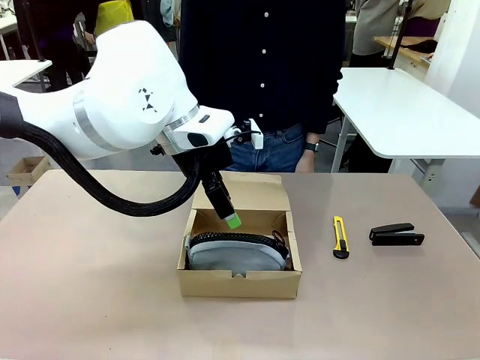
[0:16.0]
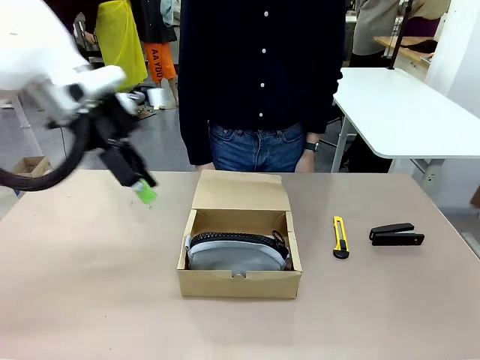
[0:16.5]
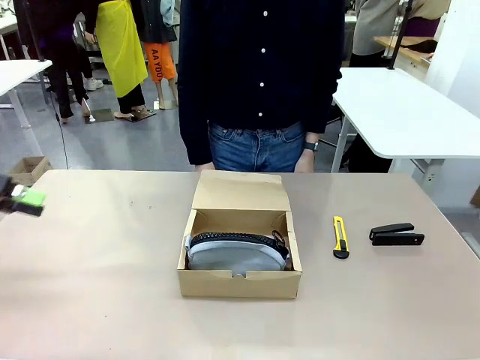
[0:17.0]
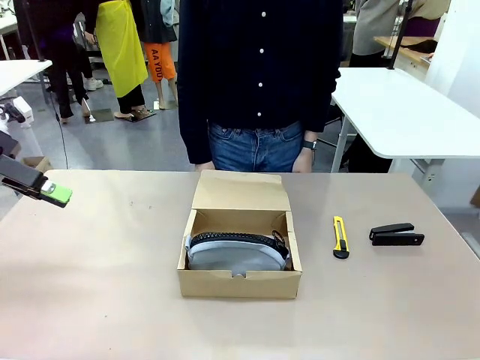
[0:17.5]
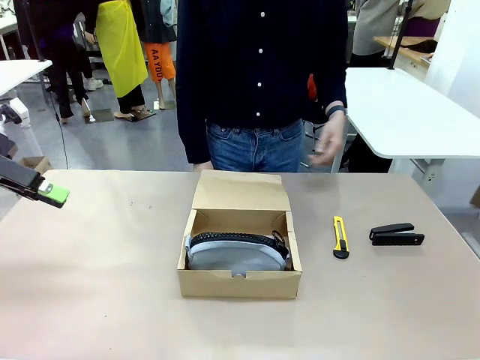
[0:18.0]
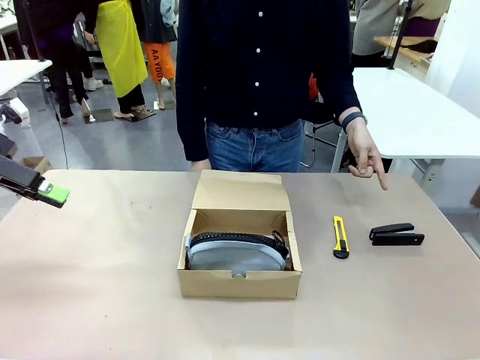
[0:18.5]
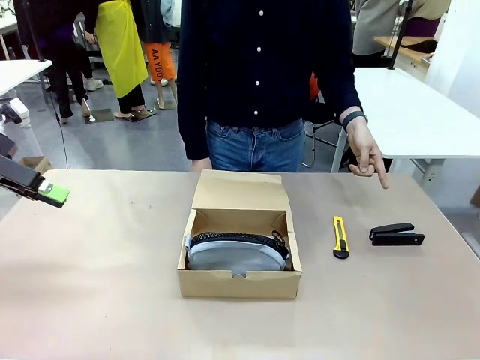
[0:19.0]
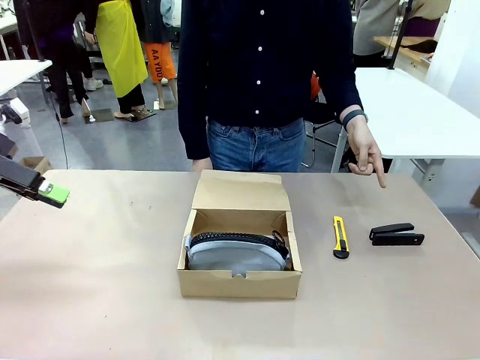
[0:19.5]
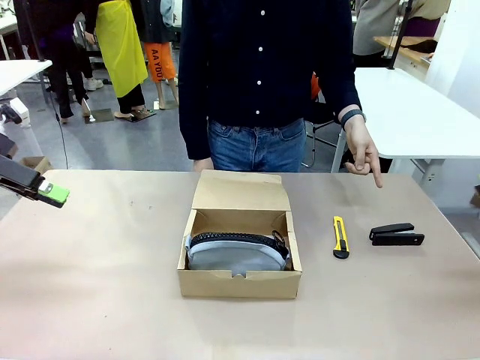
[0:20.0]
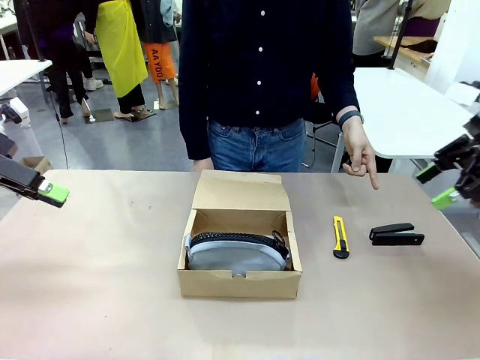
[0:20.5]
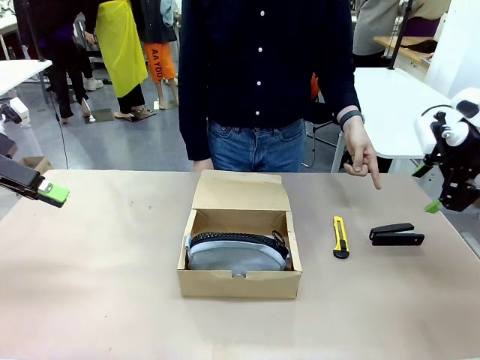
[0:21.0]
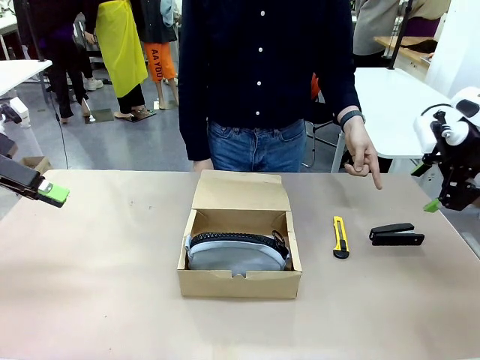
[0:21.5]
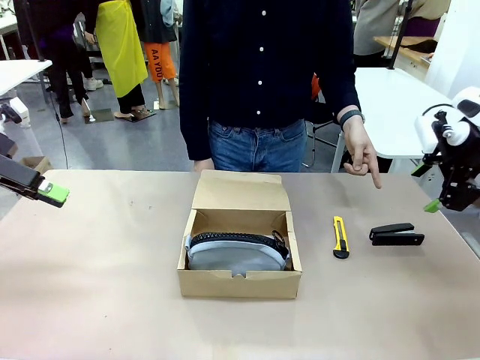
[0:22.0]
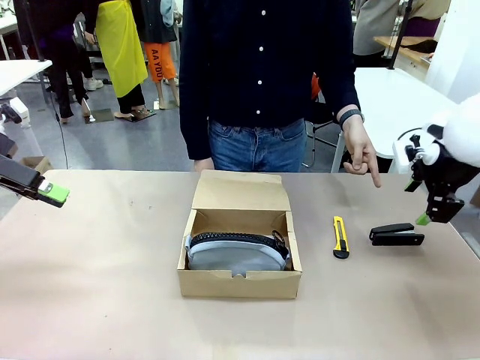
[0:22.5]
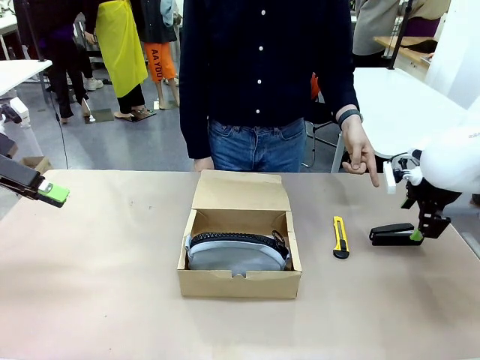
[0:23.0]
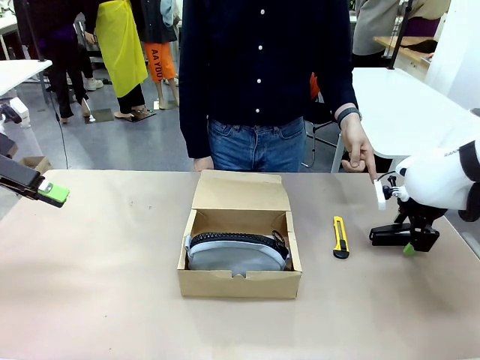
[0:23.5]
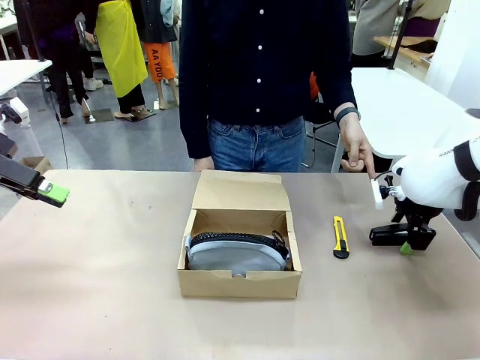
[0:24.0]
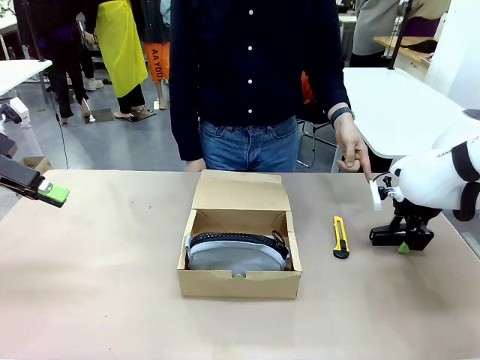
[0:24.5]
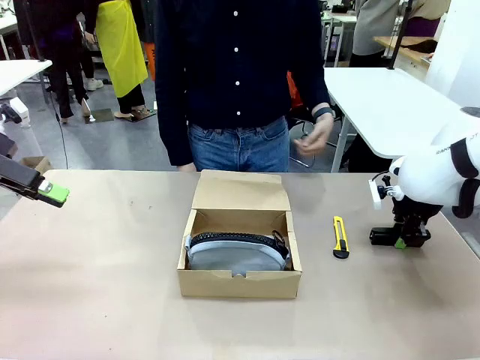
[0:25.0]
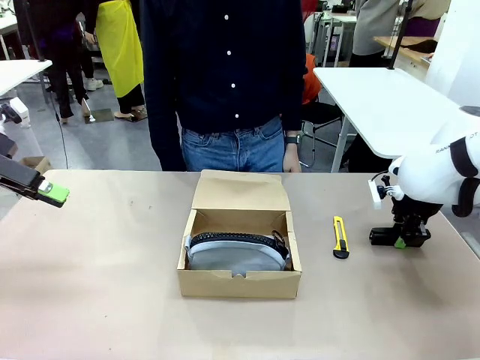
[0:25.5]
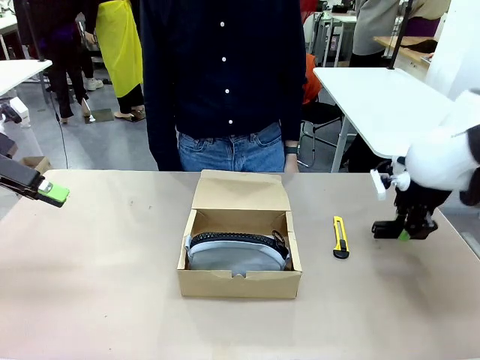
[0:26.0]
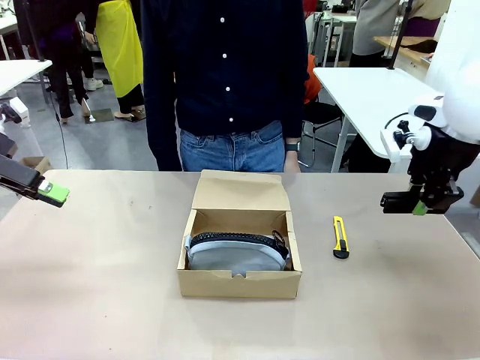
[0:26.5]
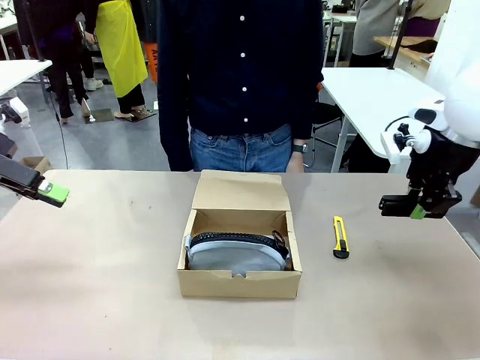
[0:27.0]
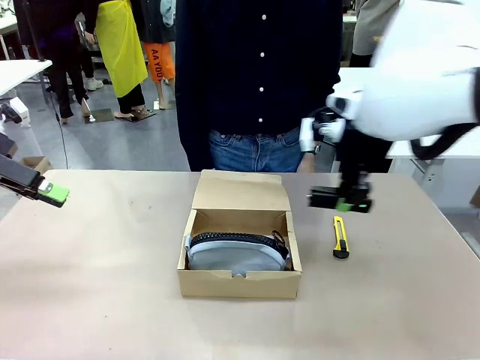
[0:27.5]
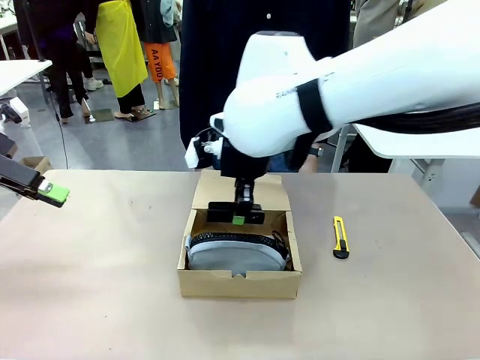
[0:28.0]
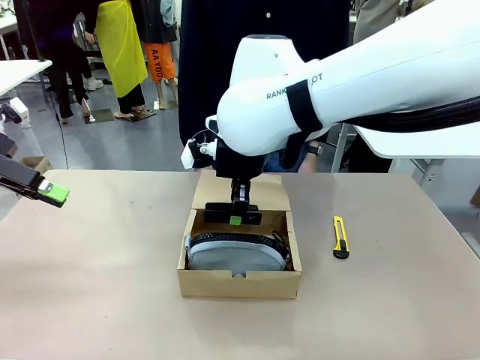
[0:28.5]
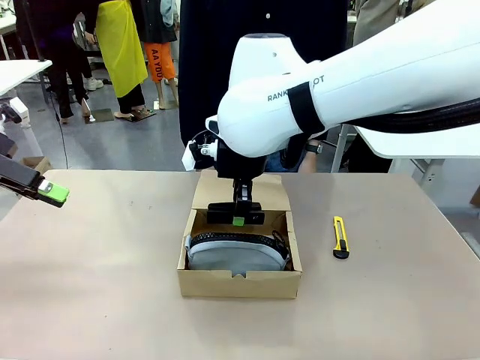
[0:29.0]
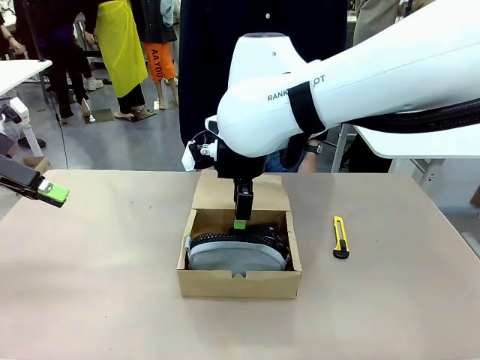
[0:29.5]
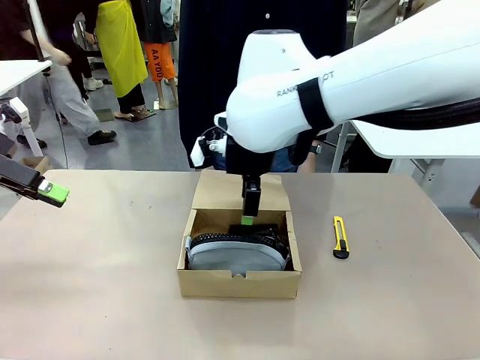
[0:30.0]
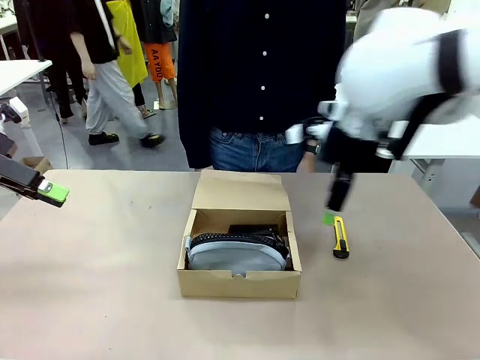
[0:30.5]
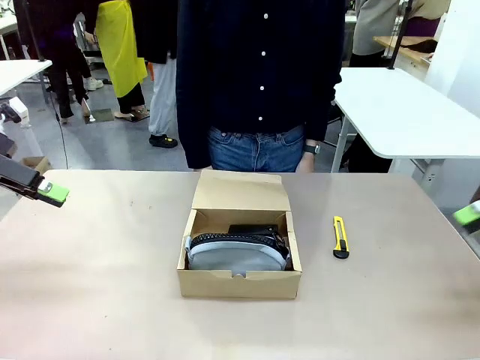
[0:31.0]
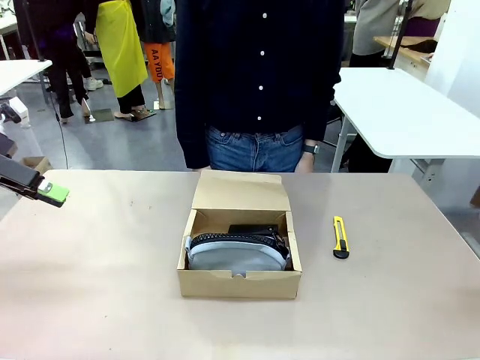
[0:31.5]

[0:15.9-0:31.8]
Task: Pack the items into the box.
Robot: Pick up the item specified by the human and place it in the Mailer Box.
Person: Lower both hands vertically with palms facing downward, as if pressing something closed.
